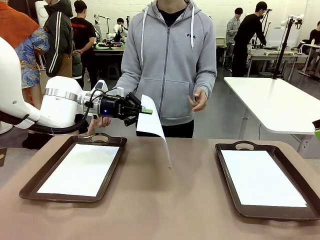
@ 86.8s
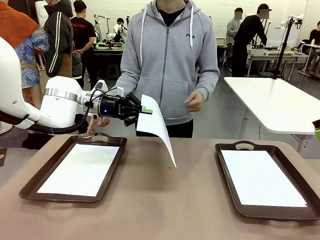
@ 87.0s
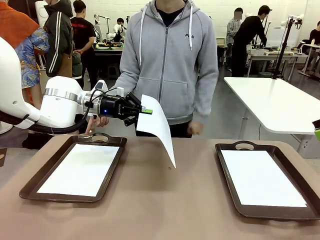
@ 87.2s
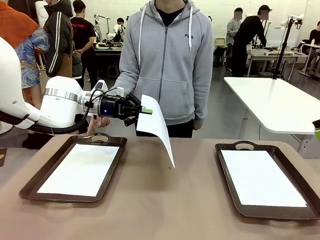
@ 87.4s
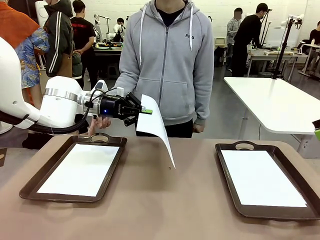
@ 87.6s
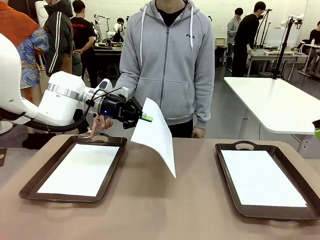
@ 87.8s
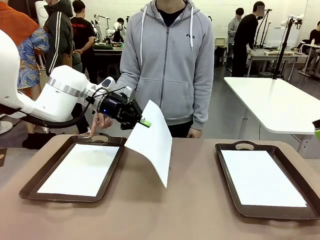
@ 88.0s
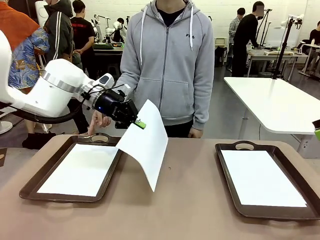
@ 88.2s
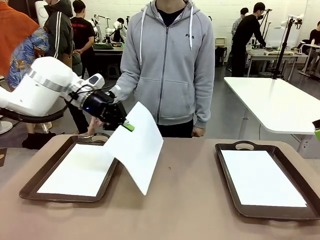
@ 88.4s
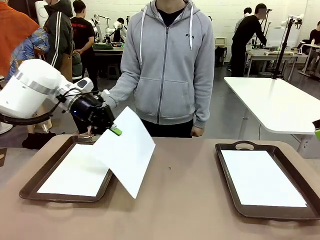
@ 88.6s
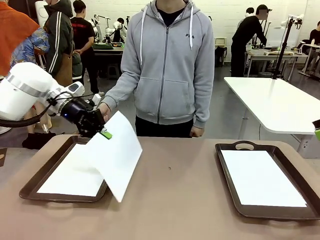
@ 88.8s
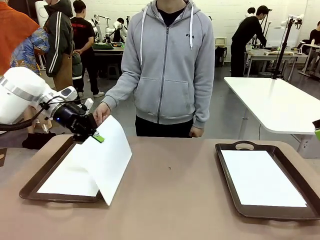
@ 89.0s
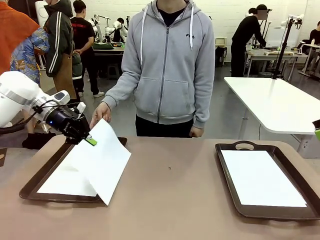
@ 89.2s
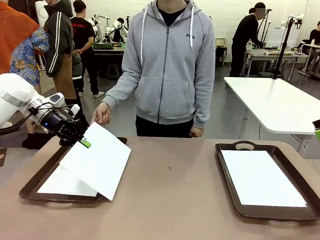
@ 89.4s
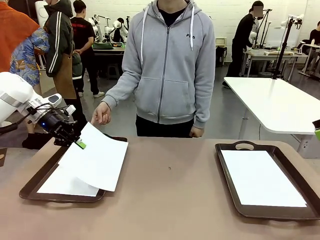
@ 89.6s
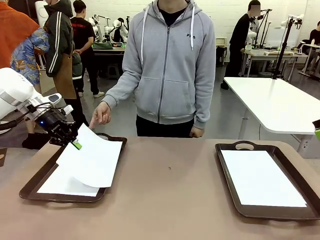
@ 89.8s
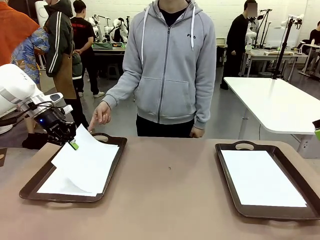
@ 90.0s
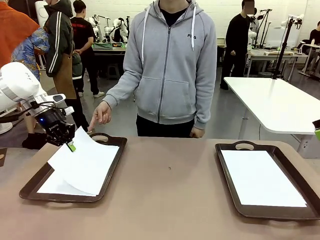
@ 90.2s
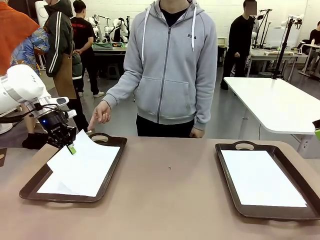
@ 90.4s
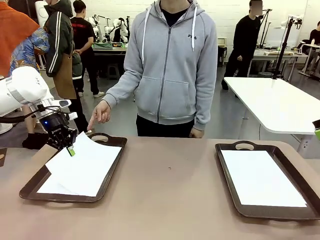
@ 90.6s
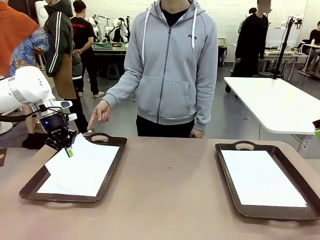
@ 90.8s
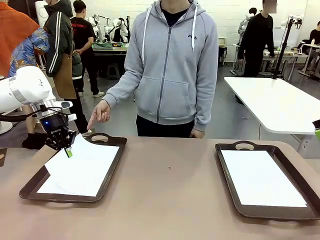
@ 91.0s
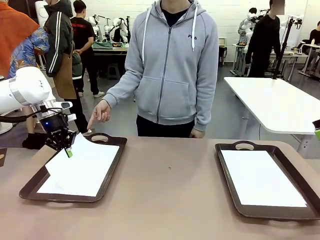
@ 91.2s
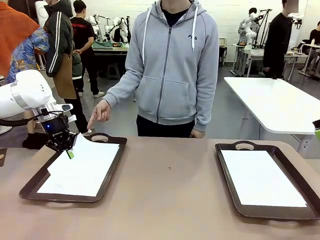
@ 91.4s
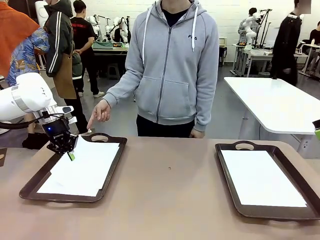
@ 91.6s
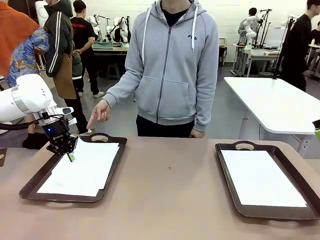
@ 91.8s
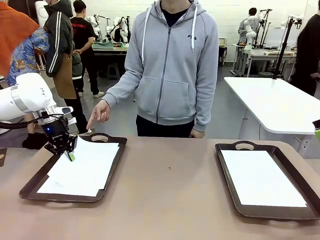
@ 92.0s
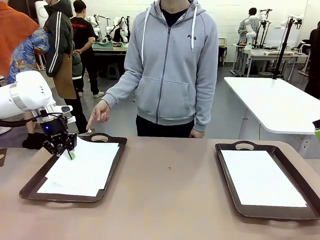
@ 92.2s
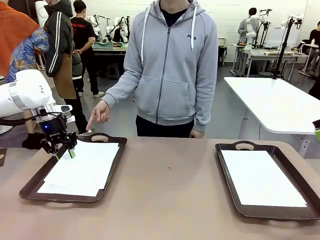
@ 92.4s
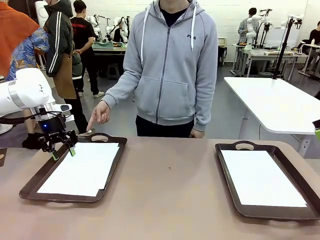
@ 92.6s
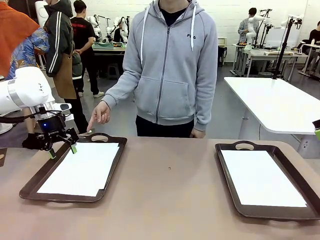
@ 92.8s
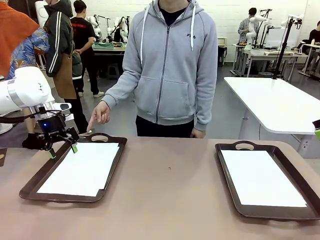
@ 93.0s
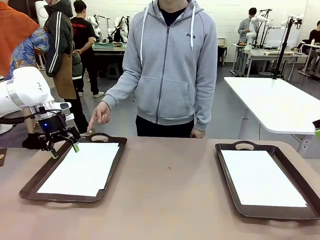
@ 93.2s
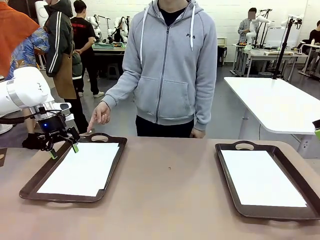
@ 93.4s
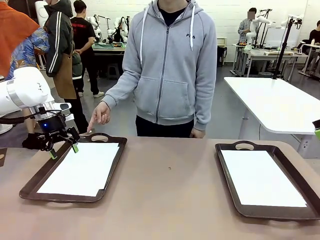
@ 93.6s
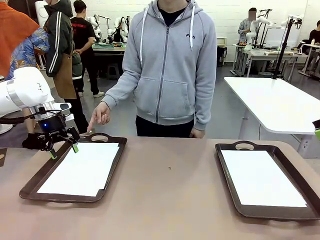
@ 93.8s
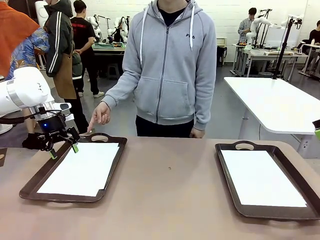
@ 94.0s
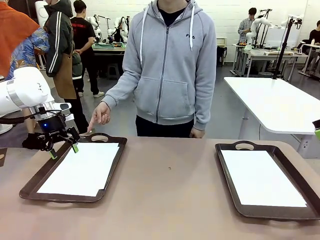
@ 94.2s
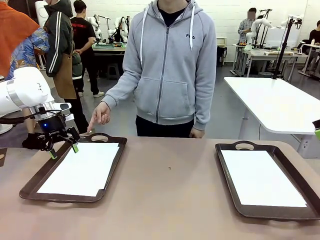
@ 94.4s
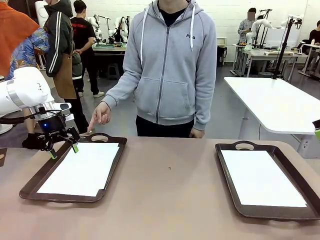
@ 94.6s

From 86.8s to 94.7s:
Task: Sort the A4 documents.
Robot: Place the A4 Paper in the designated Handle tray.

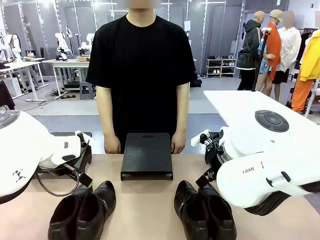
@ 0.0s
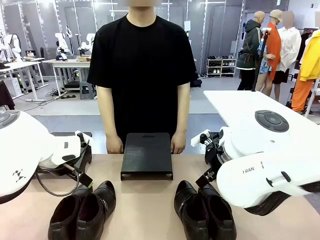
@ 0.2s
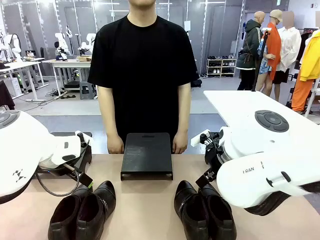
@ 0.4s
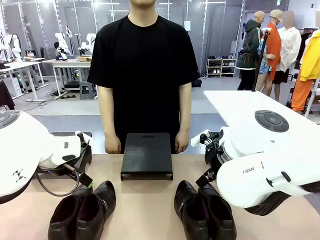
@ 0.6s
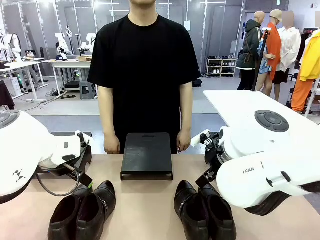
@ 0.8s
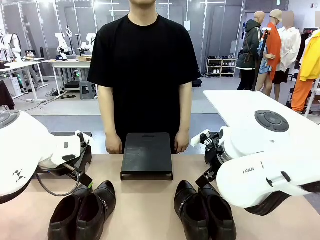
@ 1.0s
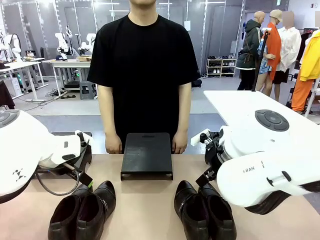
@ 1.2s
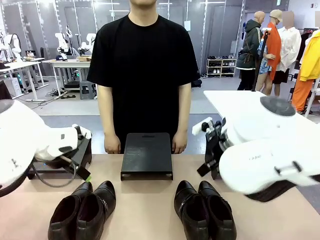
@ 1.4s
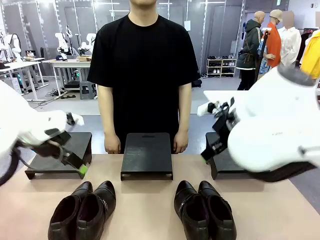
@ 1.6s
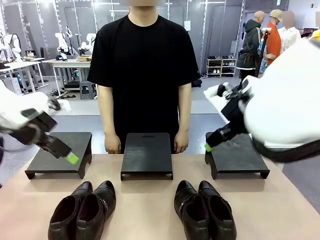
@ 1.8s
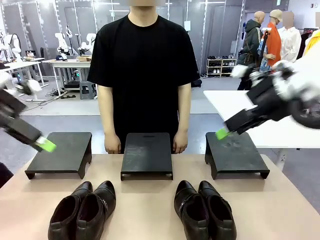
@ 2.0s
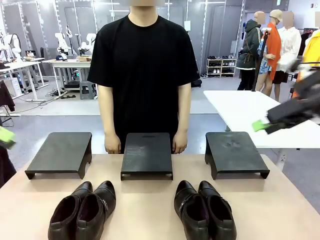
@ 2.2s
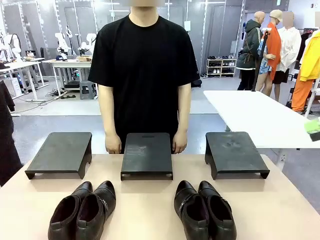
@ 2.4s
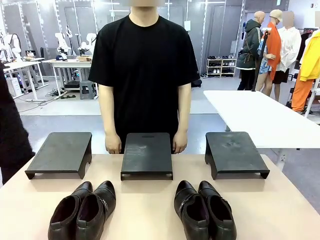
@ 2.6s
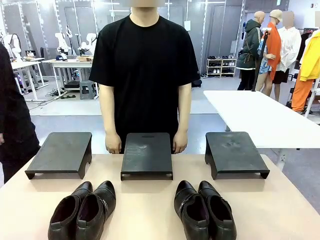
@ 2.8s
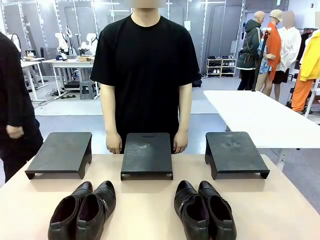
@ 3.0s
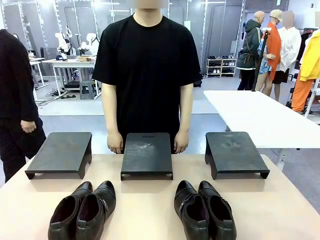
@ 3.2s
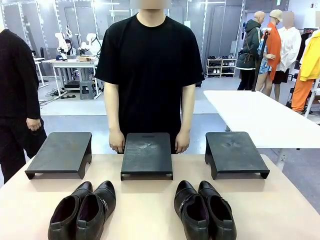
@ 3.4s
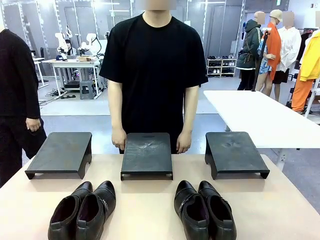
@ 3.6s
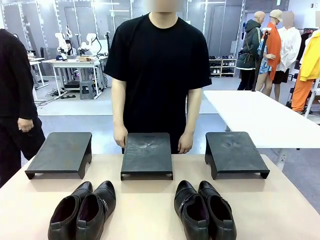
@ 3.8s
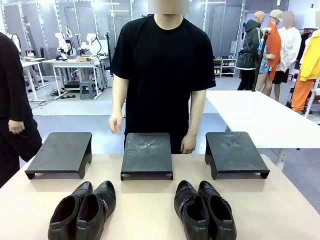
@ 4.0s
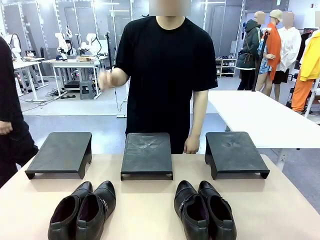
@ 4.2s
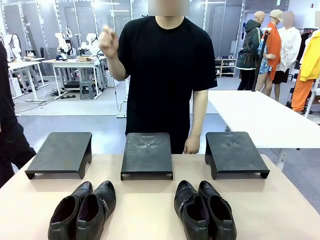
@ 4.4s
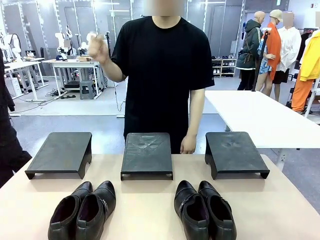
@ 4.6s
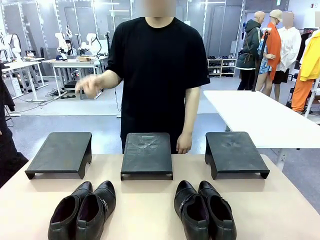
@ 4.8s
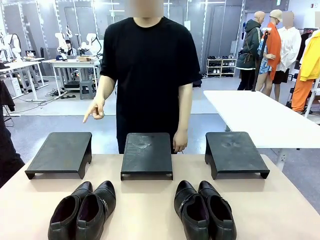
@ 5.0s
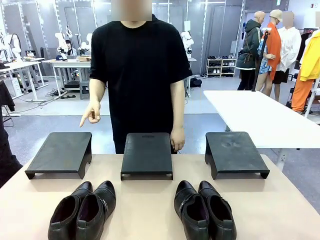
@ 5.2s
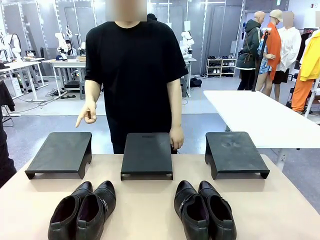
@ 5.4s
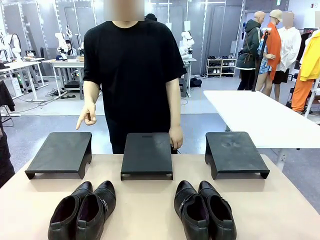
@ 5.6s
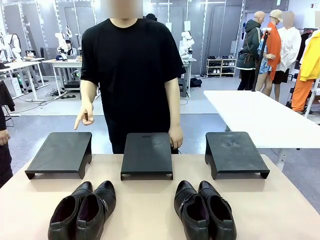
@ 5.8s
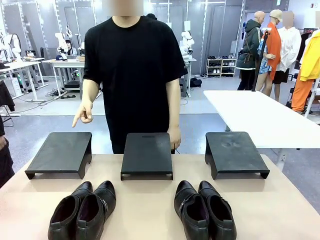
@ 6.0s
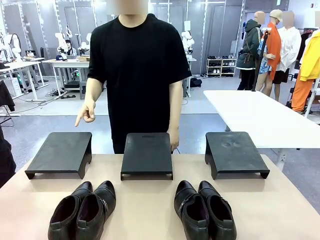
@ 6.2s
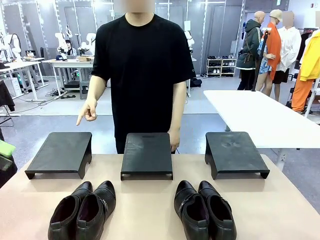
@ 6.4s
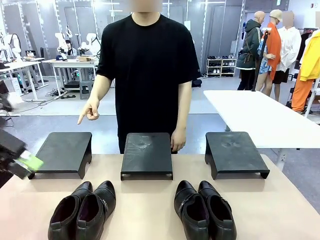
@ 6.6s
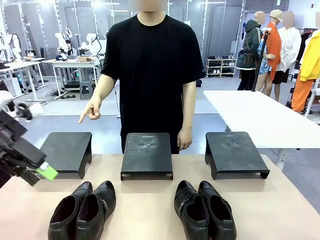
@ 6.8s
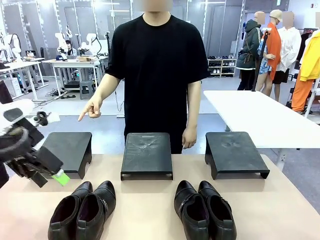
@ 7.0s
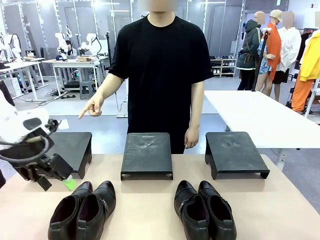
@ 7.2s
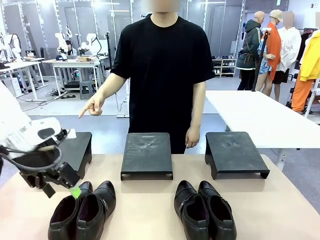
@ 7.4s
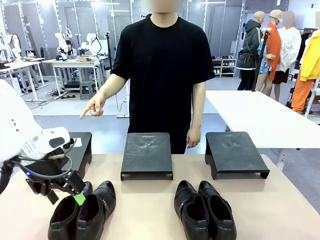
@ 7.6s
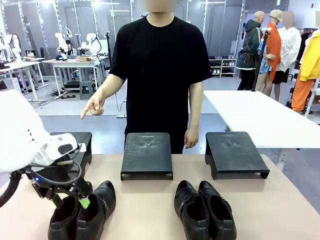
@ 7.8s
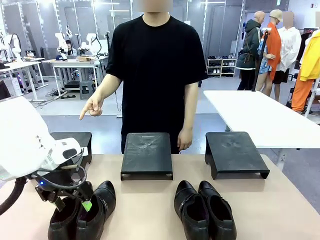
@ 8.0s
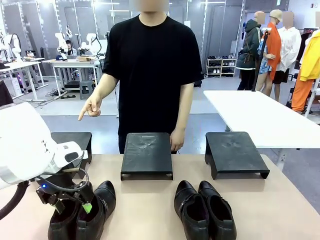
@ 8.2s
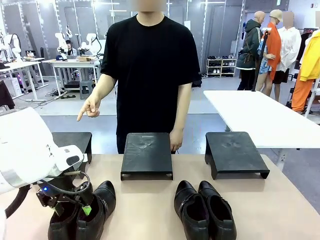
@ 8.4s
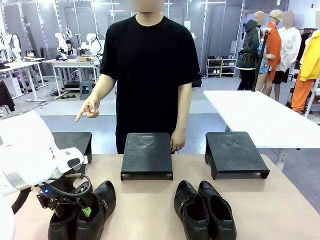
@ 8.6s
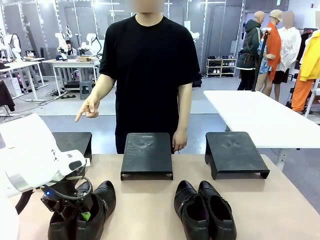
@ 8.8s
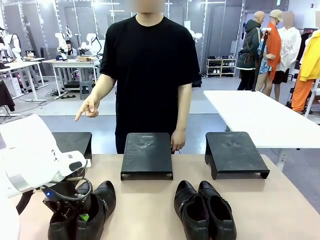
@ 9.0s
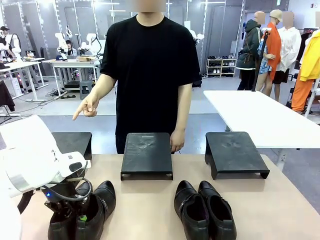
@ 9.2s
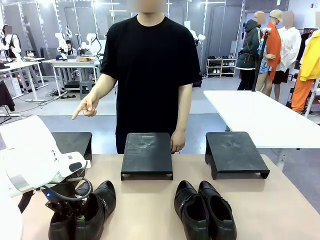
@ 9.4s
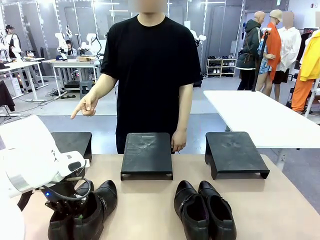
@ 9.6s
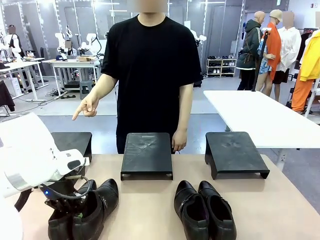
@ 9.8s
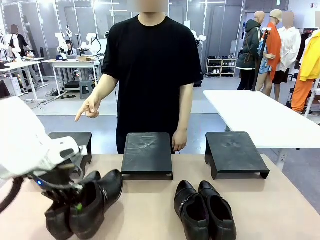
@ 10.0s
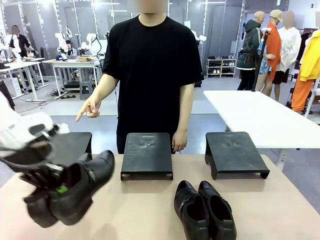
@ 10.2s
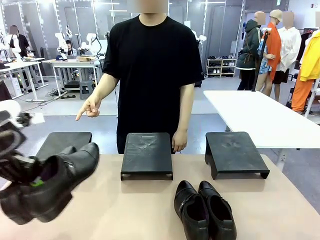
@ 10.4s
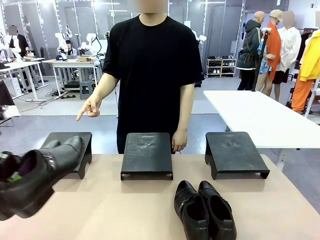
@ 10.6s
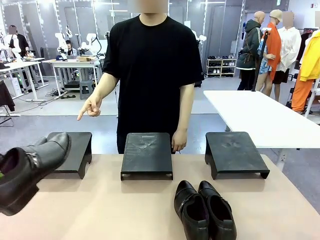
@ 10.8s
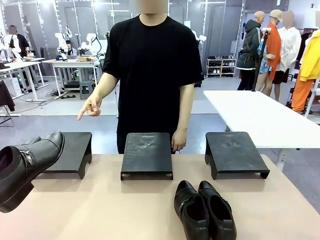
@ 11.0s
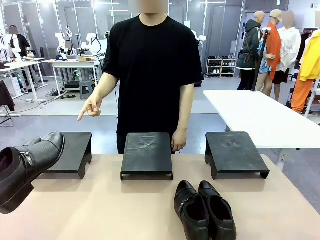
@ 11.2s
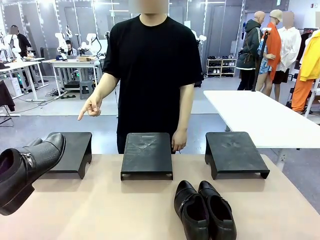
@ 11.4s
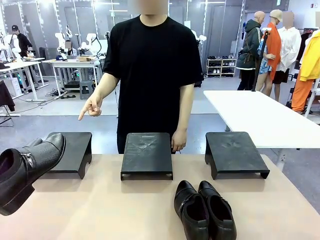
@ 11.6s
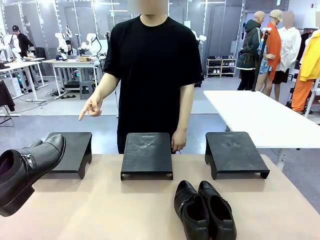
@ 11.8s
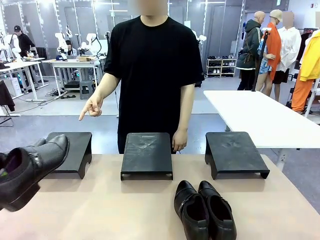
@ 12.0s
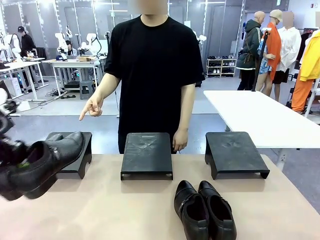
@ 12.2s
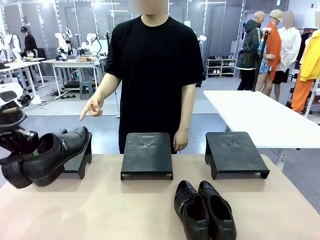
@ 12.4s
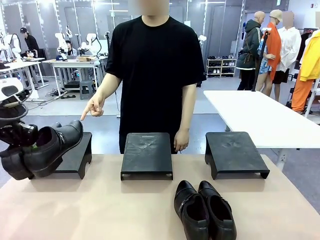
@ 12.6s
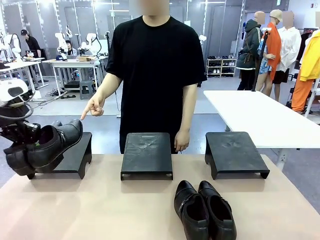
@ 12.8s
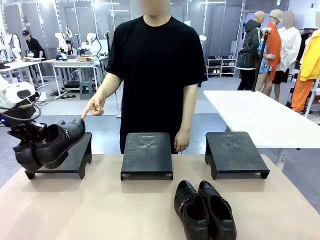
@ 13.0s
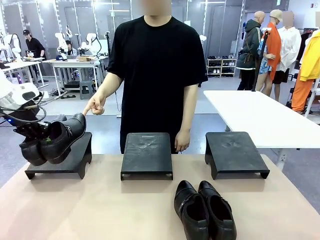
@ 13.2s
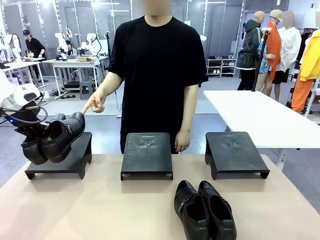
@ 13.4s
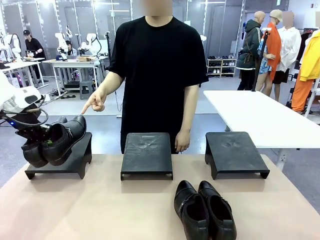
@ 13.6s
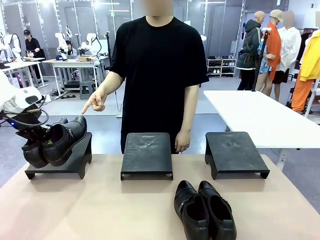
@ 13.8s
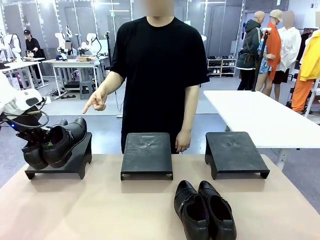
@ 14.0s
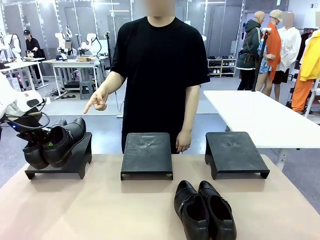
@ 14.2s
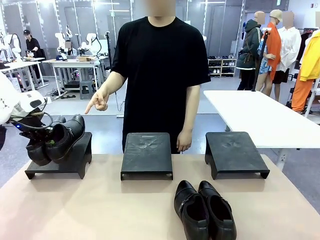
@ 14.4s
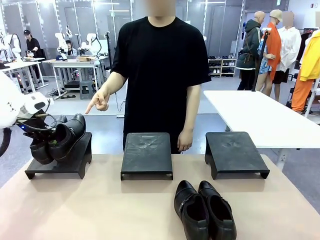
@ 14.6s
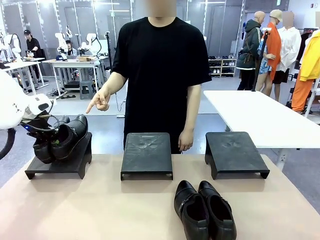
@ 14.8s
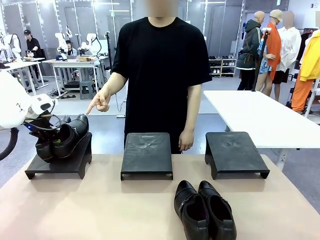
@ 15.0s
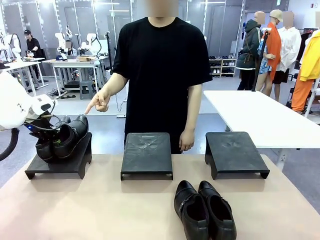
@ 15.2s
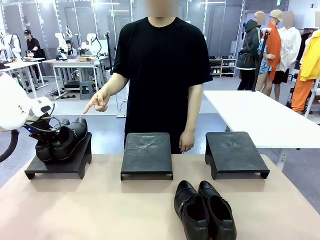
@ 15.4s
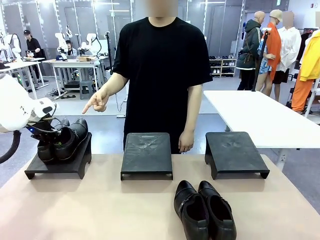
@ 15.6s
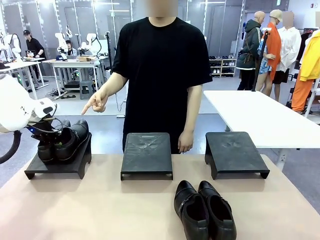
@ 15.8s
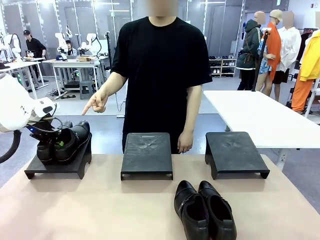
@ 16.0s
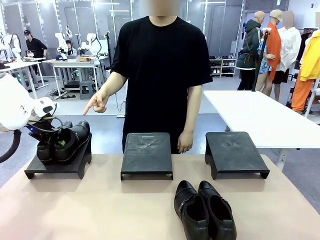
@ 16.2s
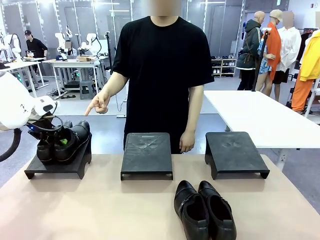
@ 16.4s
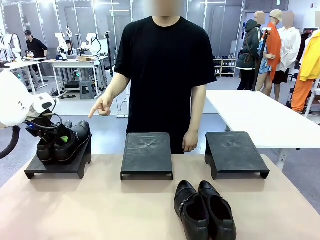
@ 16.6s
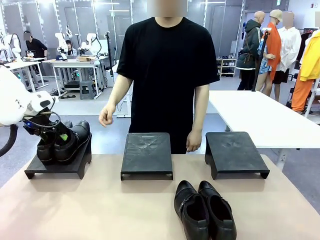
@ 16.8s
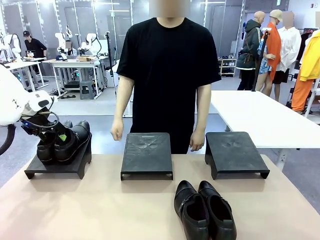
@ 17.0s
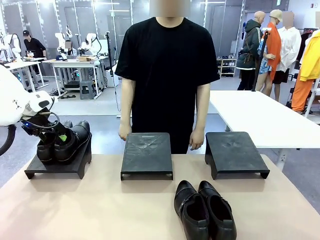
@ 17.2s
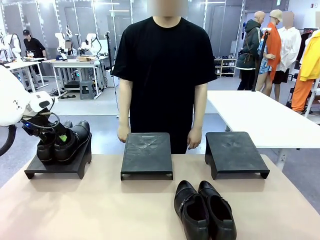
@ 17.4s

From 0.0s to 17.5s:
Task: Place the shoes on the stand as instructed by the person.
Robot: Pick up one pair of Shoes and place it on the Shoes Stand indicated by the person.
